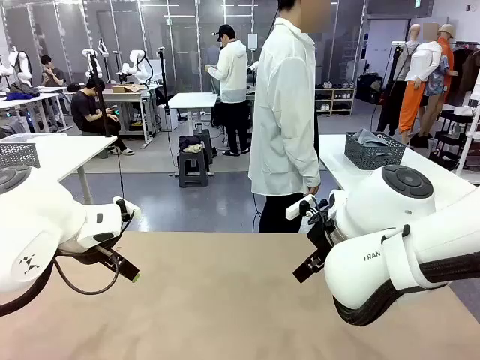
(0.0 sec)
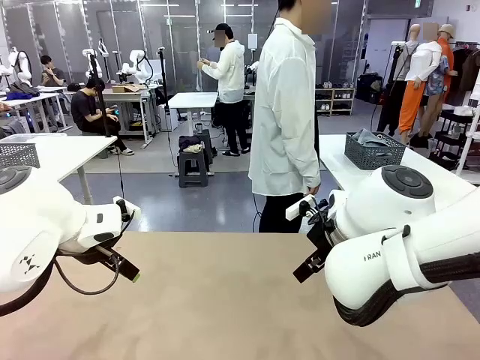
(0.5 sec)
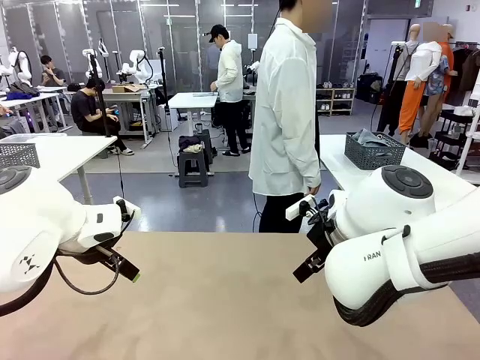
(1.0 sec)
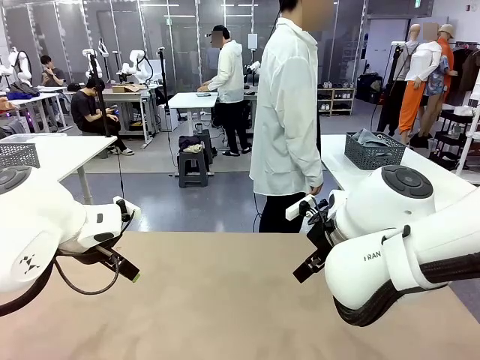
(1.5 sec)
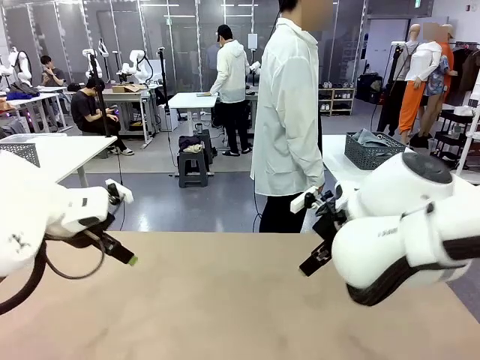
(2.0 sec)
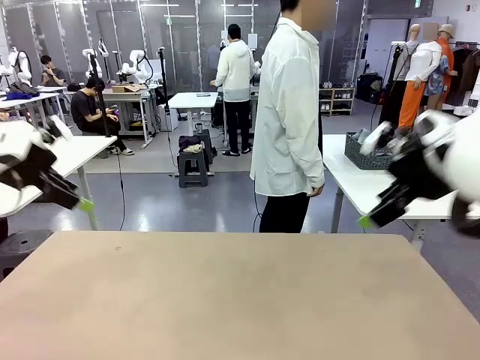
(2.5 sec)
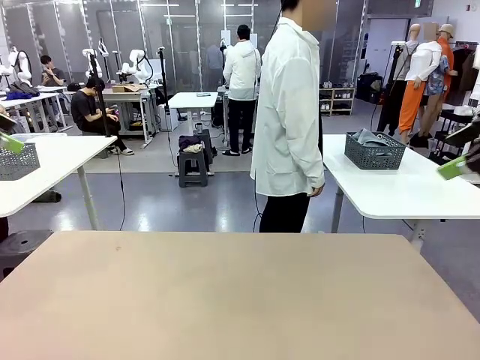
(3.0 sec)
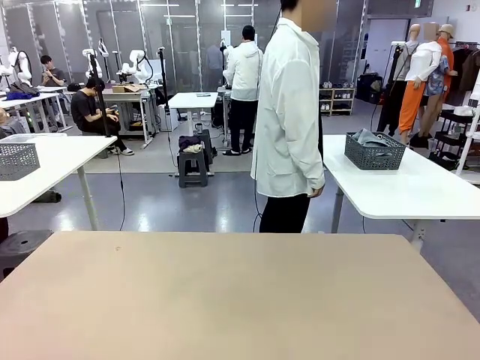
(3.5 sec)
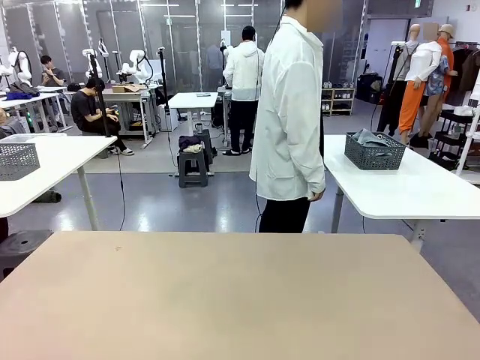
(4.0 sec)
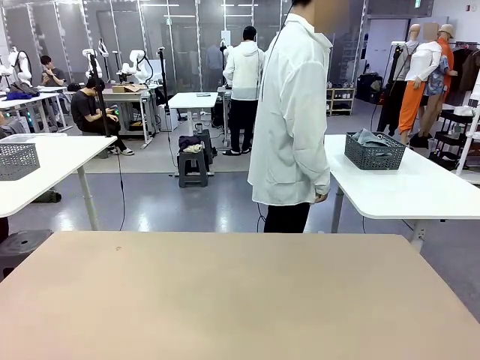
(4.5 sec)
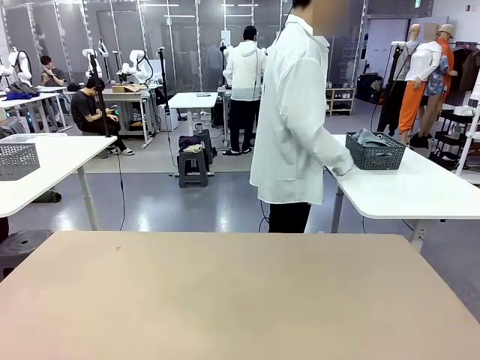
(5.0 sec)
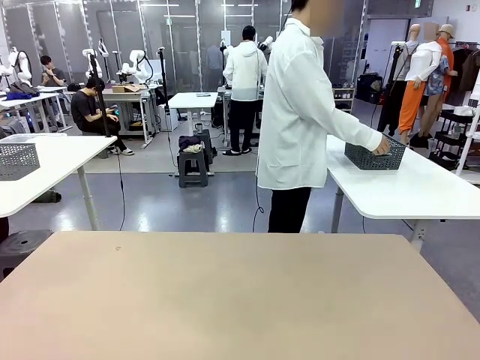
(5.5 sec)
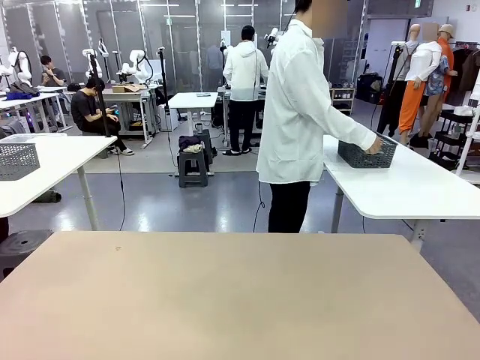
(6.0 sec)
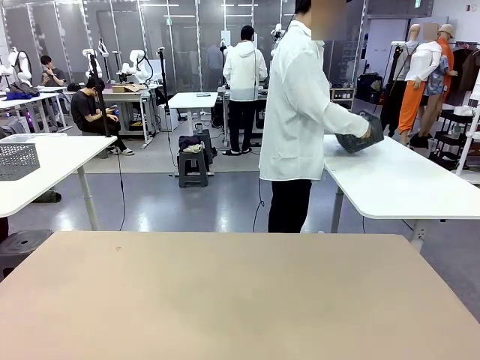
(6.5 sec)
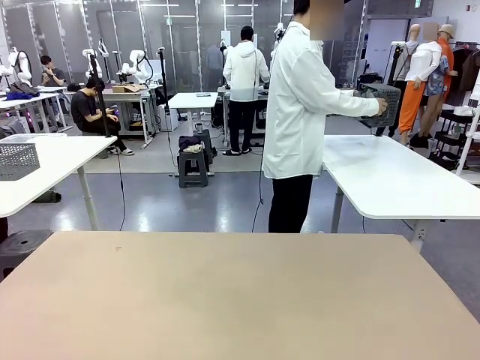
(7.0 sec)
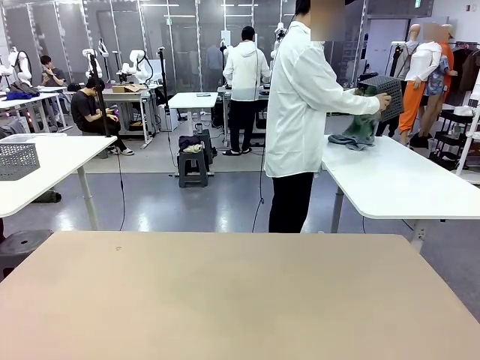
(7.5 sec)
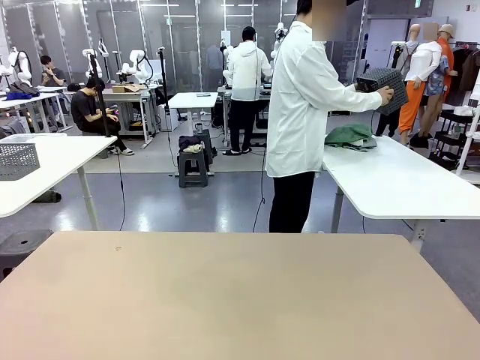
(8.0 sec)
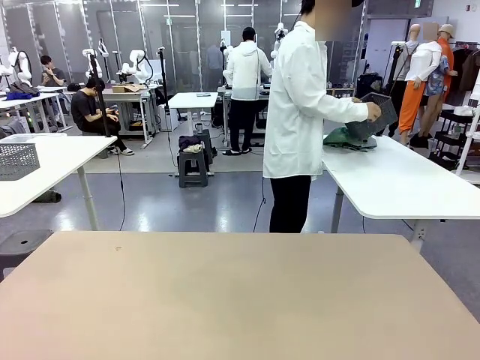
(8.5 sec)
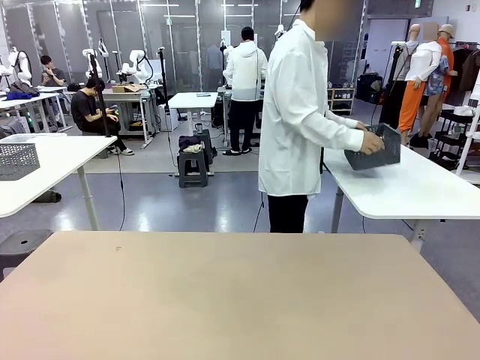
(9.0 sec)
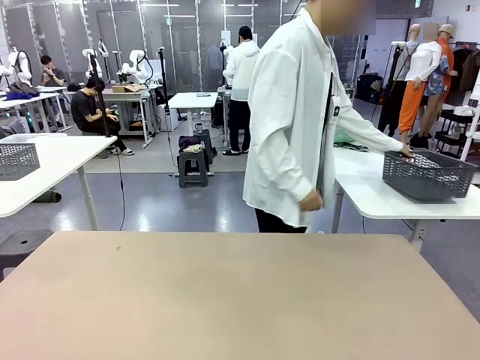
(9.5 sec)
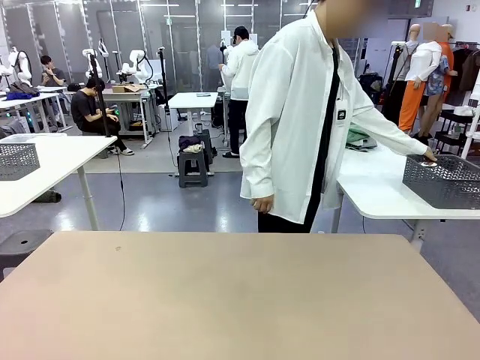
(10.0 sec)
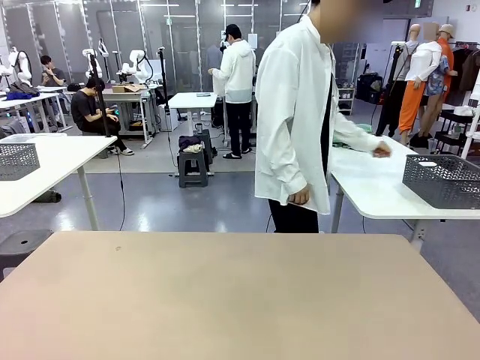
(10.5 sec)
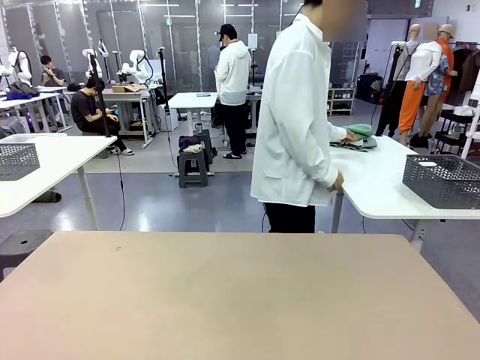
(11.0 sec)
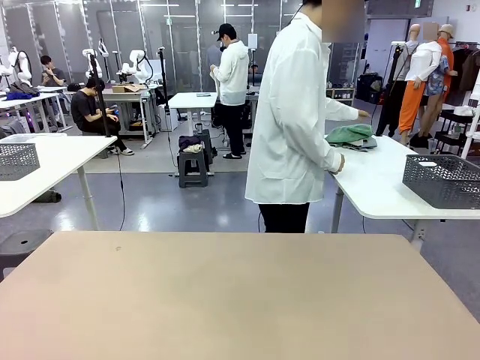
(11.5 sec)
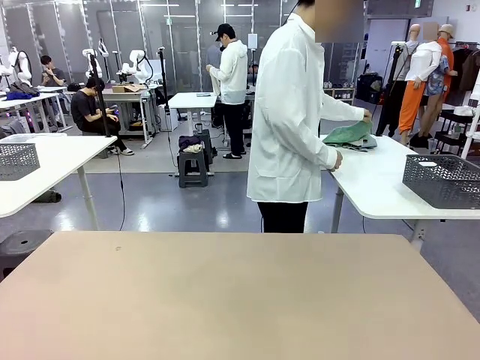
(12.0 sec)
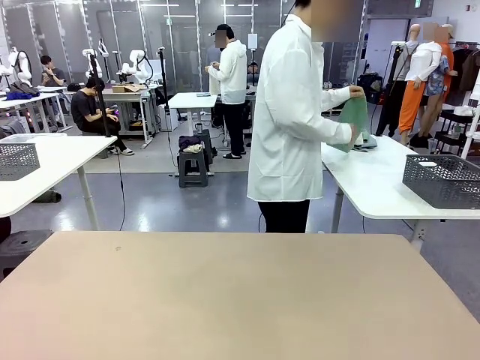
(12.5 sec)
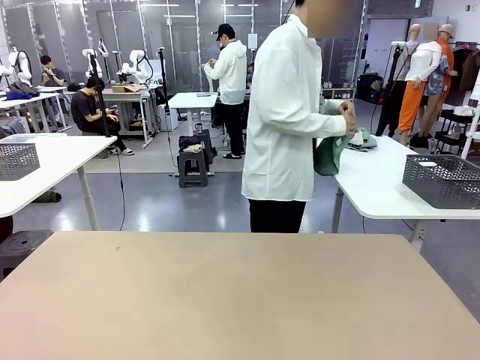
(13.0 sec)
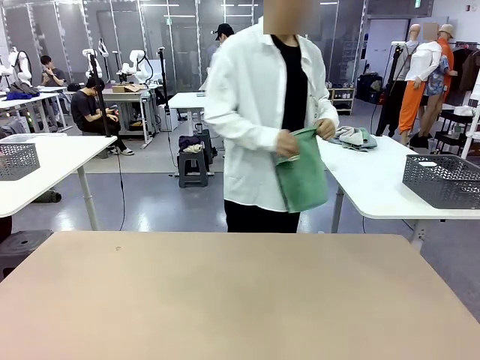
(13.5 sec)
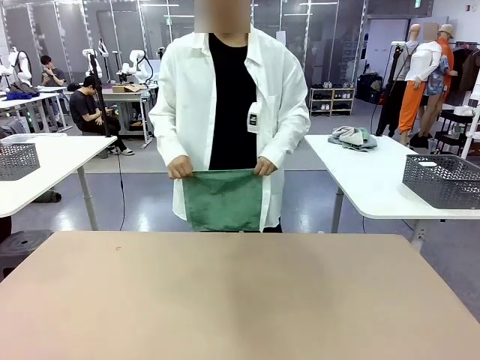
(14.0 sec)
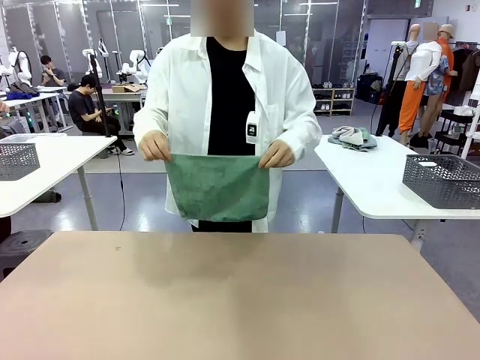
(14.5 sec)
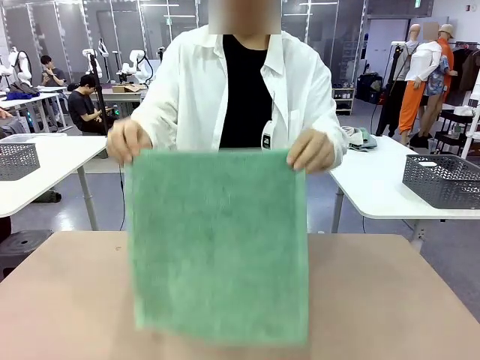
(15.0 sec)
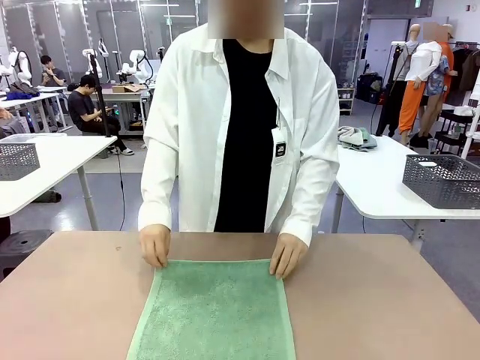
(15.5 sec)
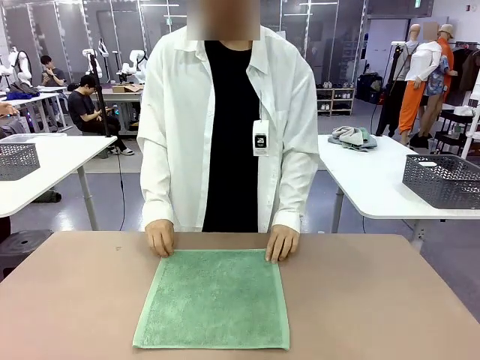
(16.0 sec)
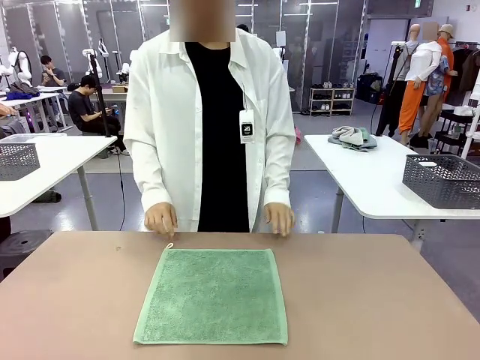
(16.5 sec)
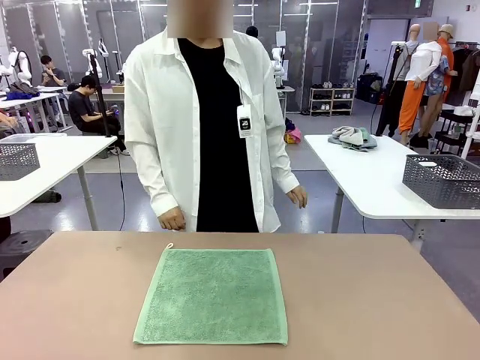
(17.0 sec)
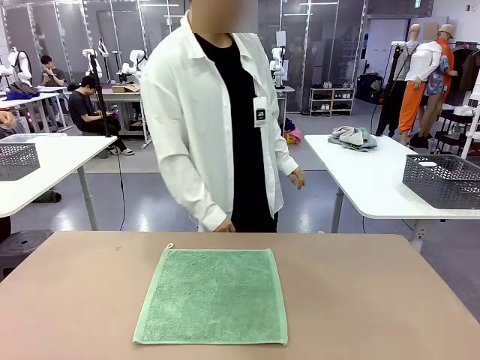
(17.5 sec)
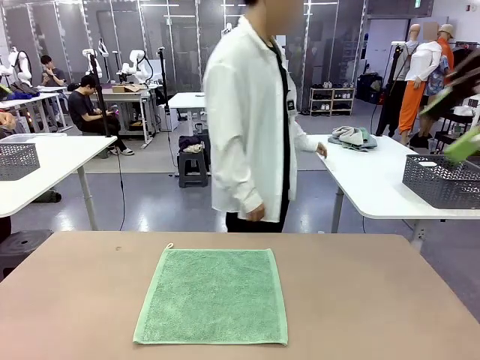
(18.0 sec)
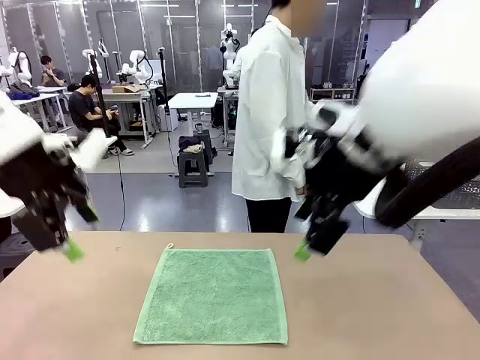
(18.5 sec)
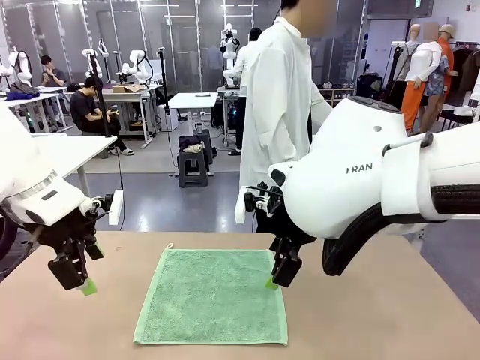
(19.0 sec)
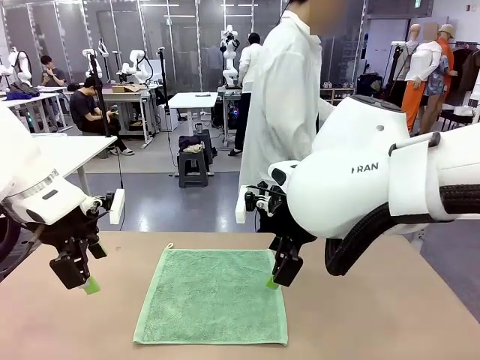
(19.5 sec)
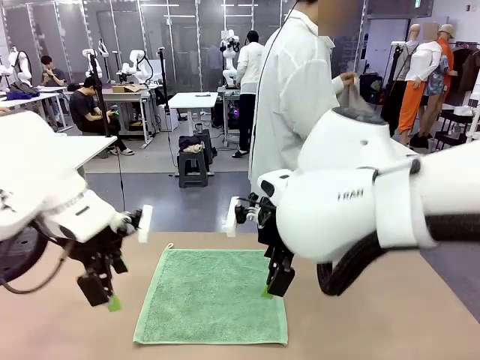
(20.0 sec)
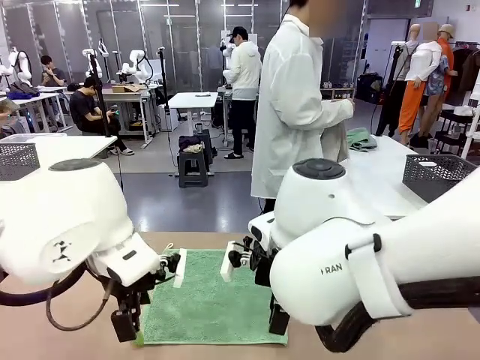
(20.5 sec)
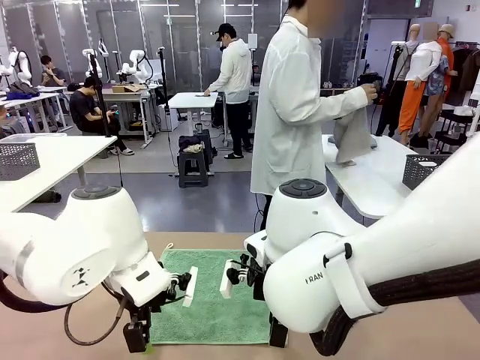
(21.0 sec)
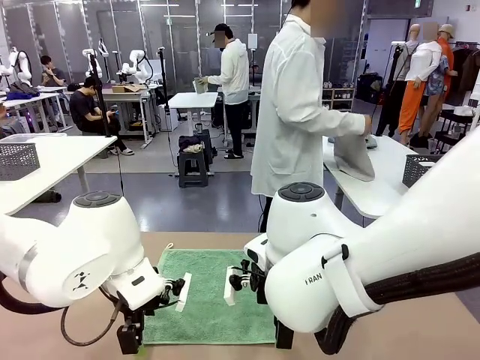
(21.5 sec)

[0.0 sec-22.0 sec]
Task: Fold the towels and place them in the basket.
Robot: When a person lays out a Towel with hook on the table, fold it in half twice.
Person: Pick up the basket, pour the towels onto the left side of the human table, and place the basket on the right side. Pick up one towel and spread it out at the center of the robot table.
